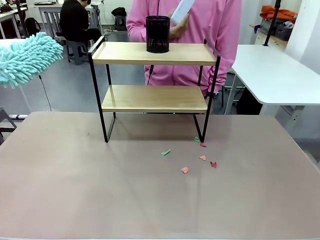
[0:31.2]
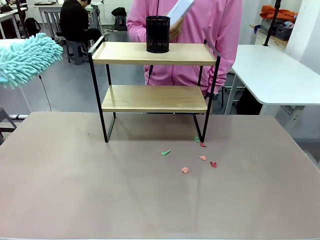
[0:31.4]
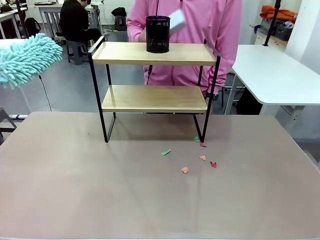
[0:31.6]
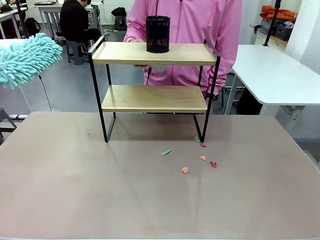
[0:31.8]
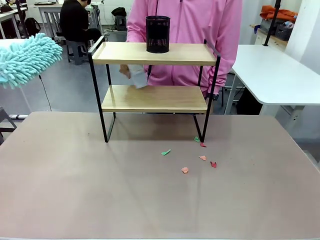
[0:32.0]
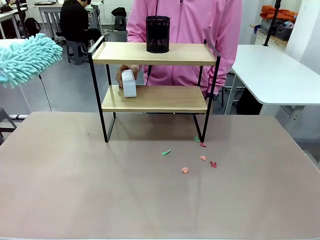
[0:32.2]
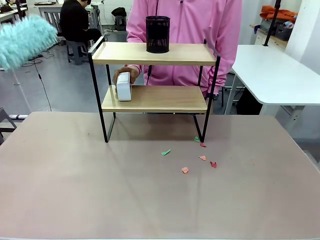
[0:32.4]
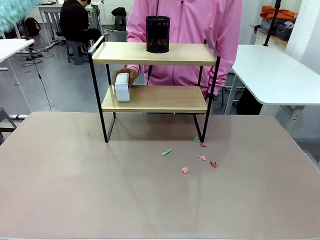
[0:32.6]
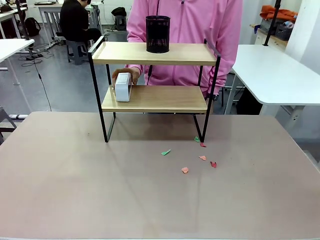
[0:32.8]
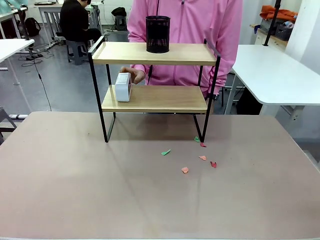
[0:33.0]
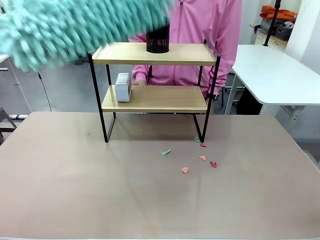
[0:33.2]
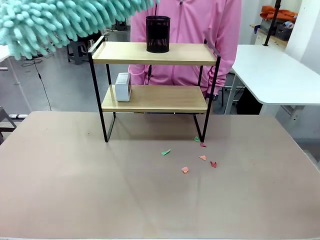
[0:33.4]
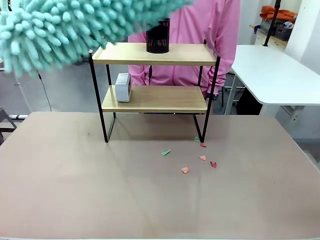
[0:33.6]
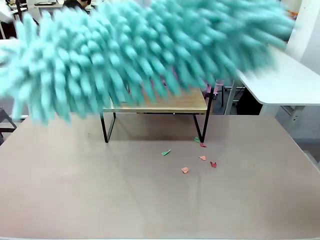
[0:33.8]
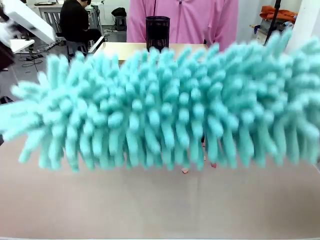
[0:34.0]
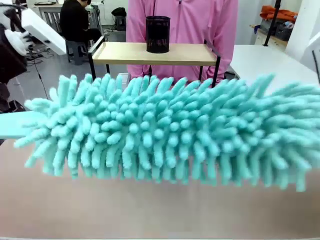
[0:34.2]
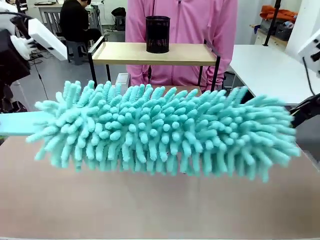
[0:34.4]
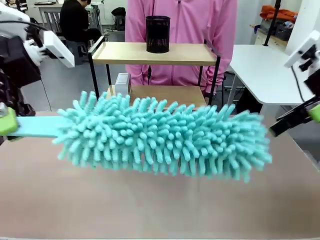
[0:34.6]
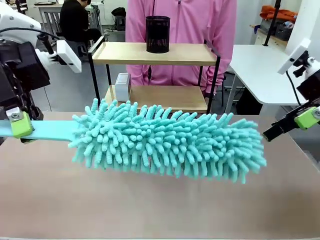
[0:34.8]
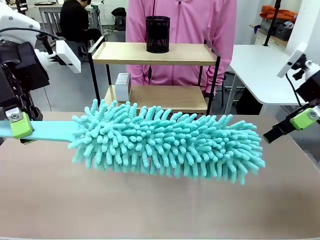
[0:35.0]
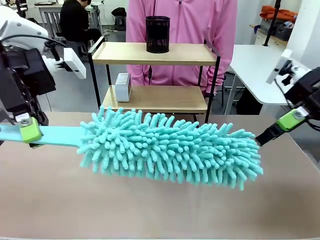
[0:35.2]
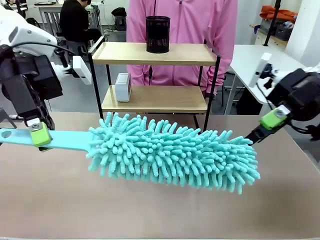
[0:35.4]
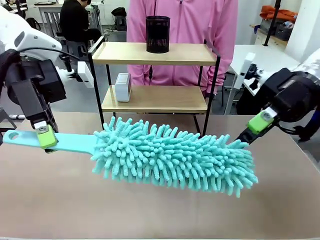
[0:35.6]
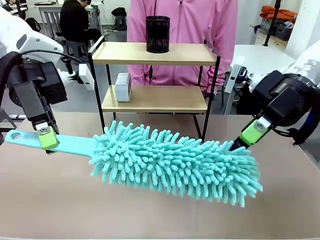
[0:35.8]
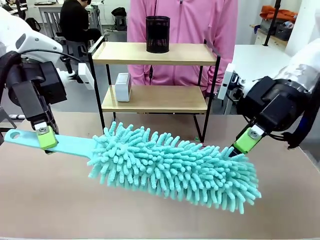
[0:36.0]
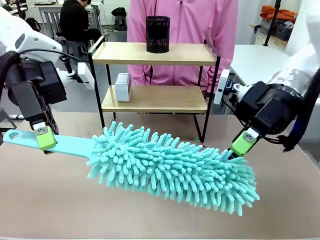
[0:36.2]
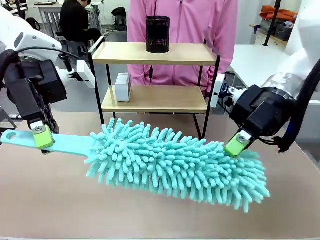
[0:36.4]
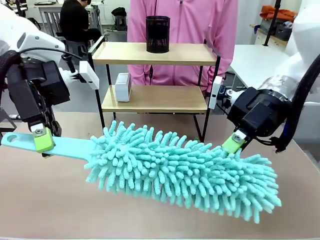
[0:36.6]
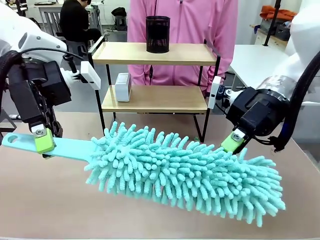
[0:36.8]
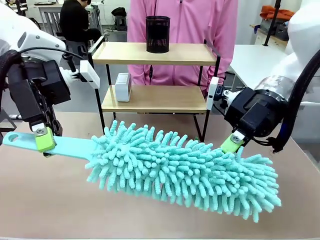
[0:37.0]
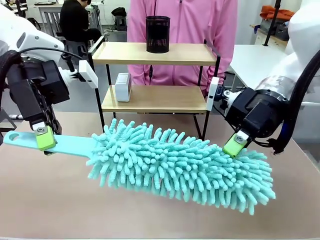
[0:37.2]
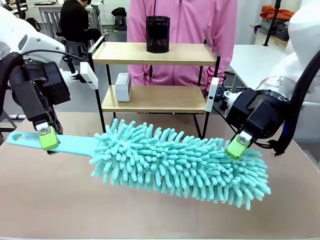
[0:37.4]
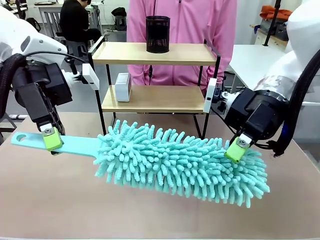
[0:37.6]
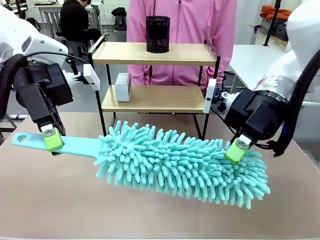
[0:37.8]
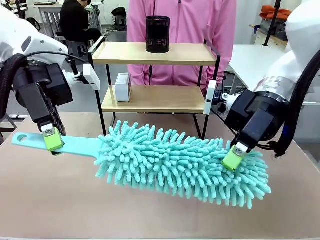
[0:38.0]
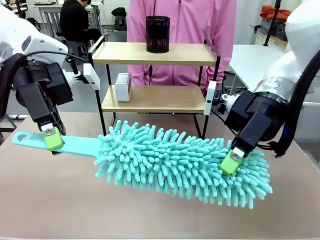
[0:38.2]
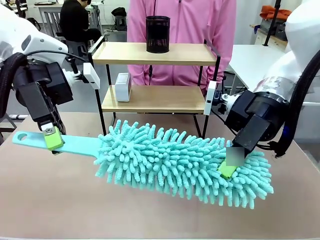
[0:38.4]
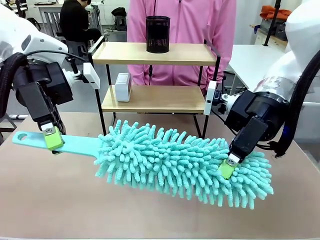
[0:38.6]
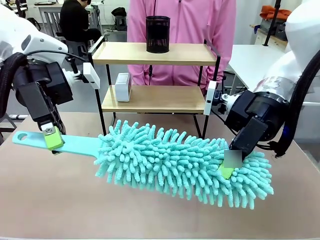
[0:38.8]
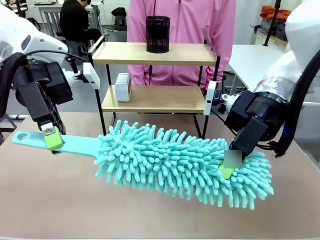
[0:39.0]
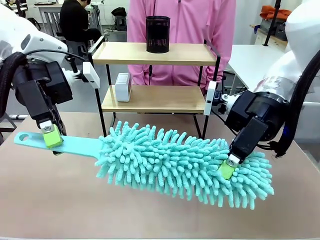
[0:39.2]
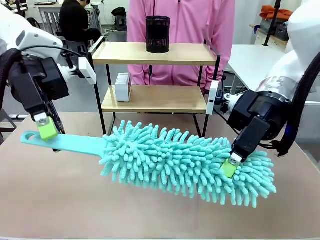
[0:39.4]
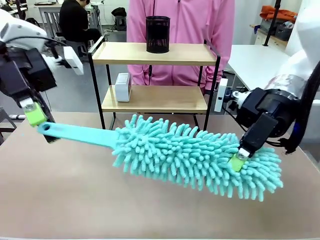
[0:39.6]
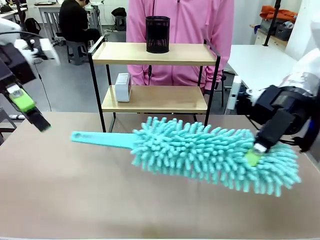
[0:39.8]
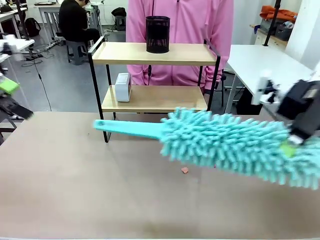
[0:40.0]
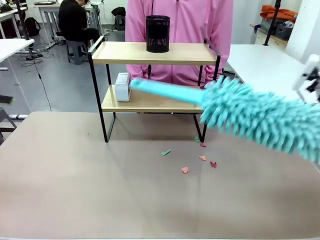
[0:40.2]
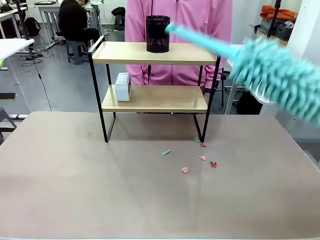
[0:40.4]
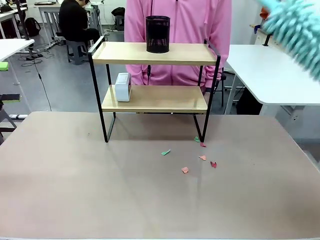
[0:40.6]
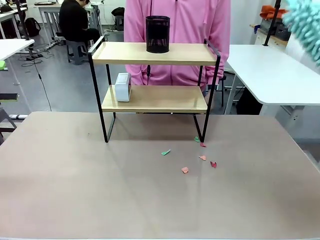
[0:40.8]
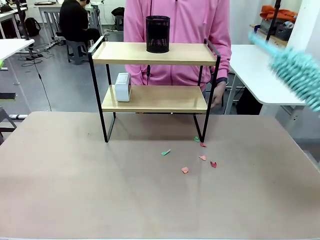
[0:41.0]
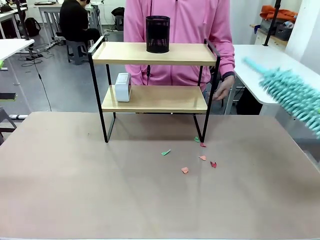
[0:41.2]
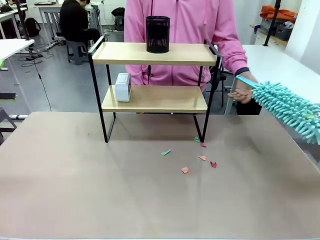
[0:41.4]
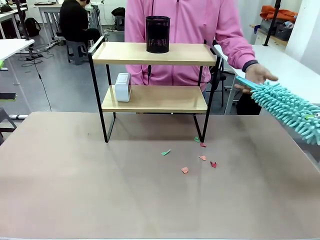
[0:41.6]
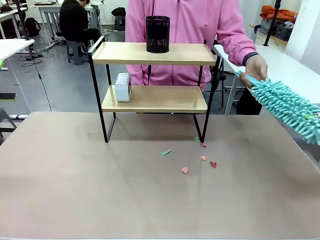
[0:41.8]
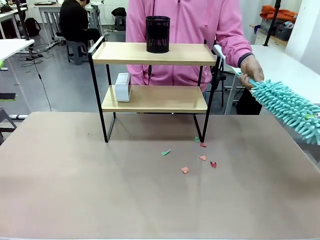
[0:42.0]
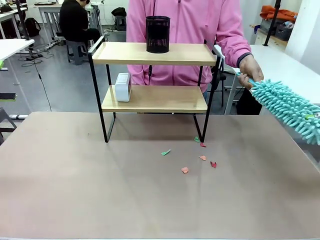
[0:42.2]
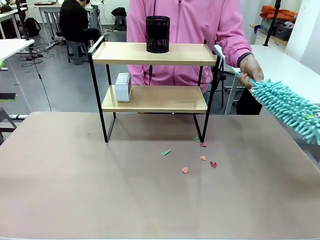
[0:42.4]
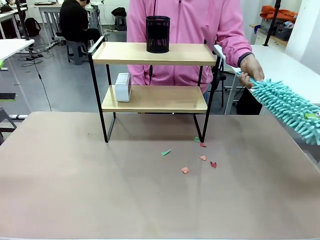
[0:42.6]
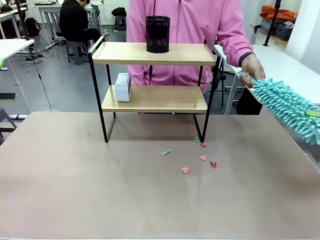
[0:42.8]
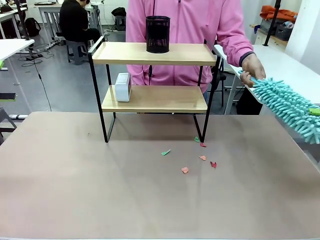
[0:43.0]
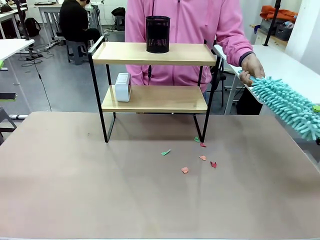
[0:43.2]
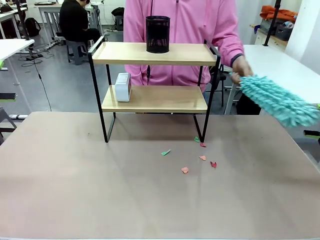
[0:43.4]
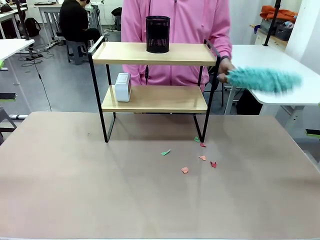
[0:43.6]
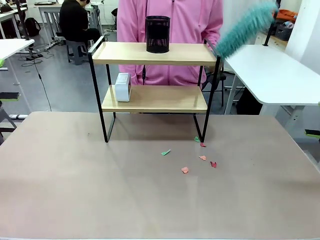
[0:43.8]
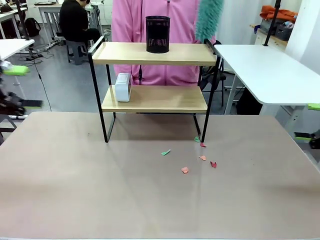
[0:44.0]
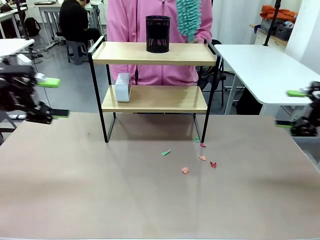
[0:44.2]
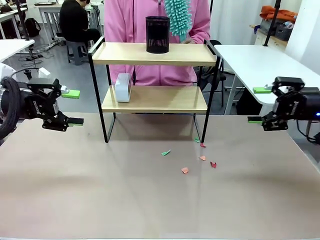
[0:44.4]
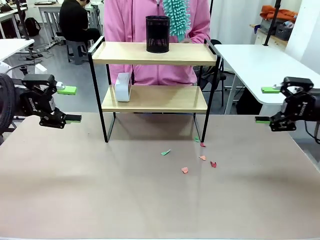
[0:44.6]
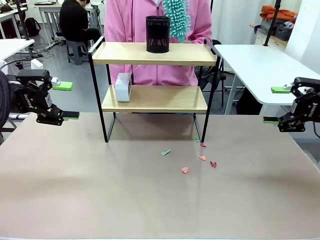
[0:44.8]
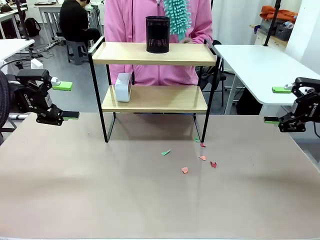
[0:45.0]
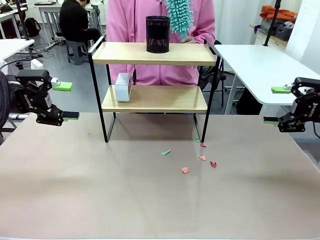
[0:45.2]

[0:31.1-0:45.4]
Task: Clean the shelf.
Robot: Hand the Duster back to the human.
Person: Receive the Duster from the robot.
